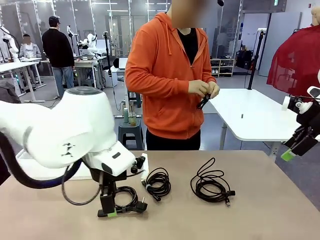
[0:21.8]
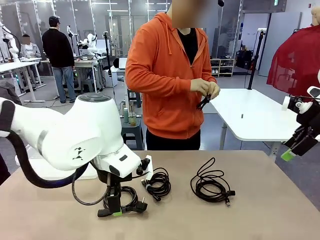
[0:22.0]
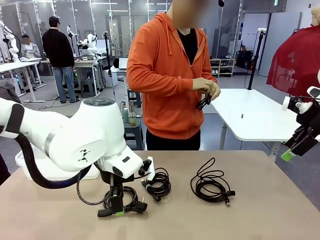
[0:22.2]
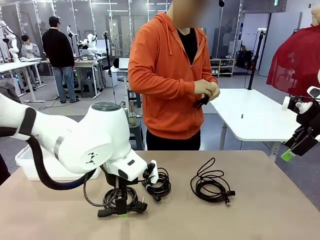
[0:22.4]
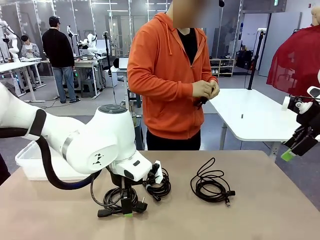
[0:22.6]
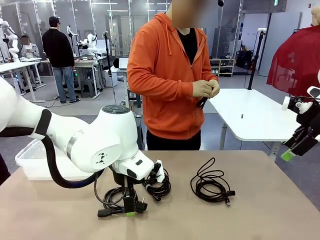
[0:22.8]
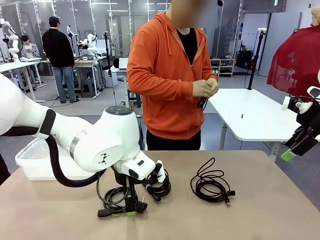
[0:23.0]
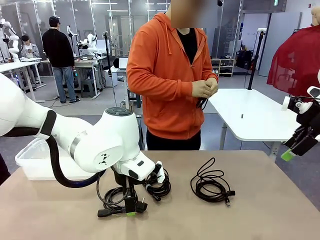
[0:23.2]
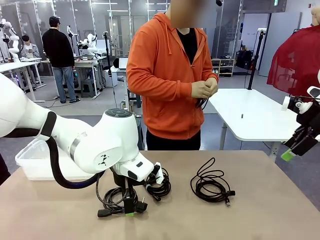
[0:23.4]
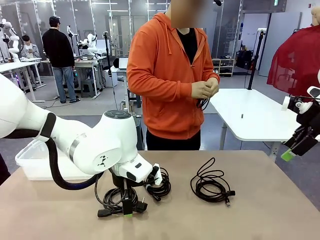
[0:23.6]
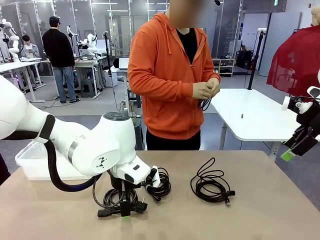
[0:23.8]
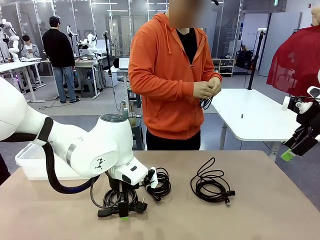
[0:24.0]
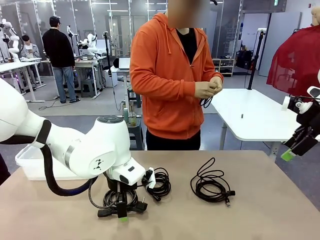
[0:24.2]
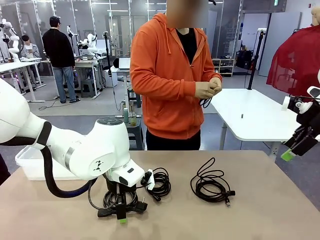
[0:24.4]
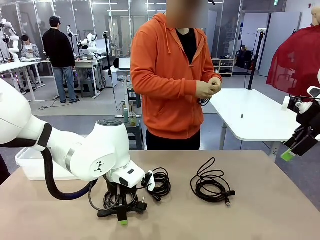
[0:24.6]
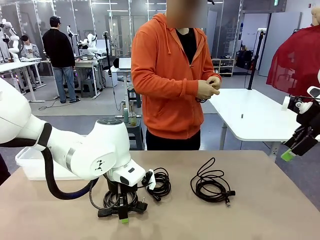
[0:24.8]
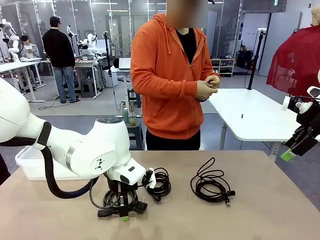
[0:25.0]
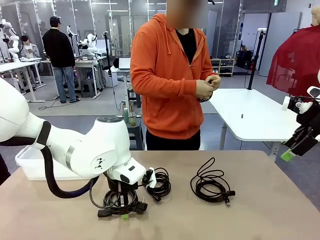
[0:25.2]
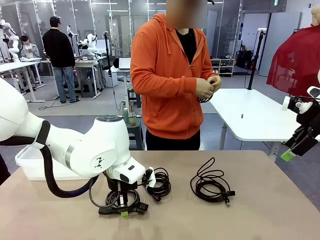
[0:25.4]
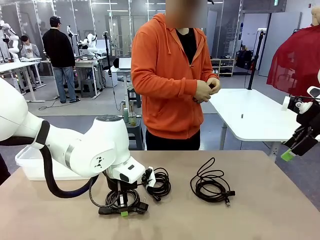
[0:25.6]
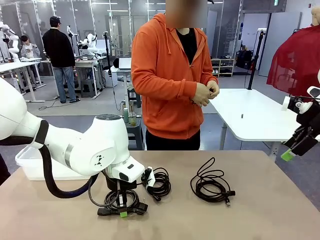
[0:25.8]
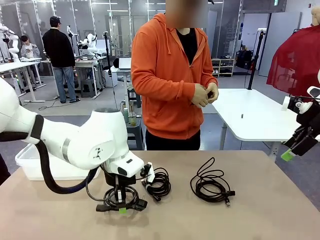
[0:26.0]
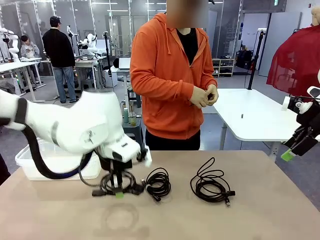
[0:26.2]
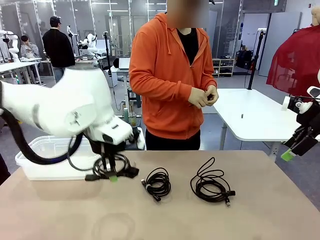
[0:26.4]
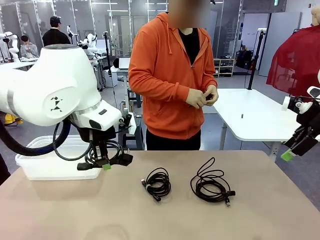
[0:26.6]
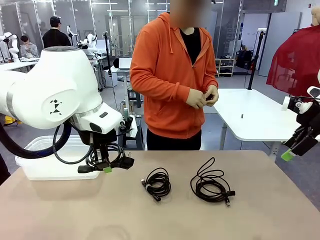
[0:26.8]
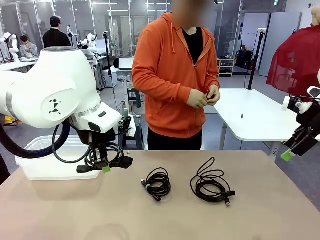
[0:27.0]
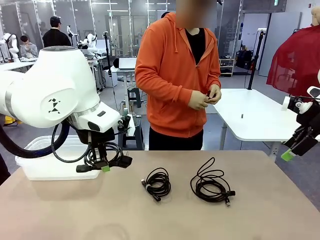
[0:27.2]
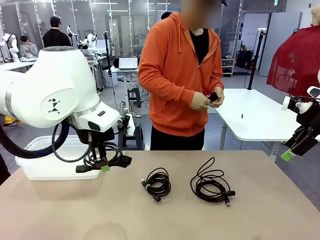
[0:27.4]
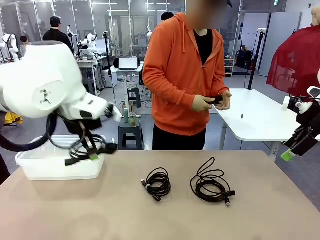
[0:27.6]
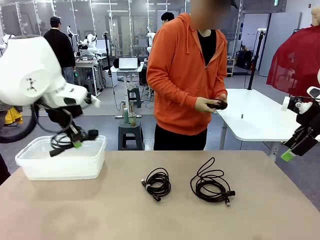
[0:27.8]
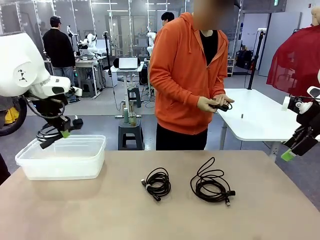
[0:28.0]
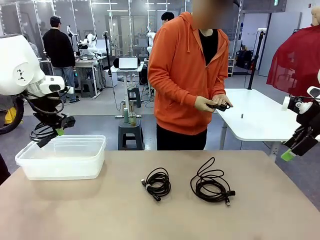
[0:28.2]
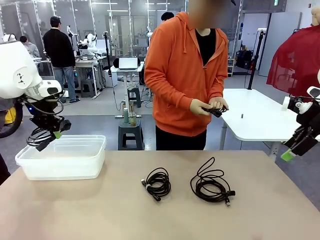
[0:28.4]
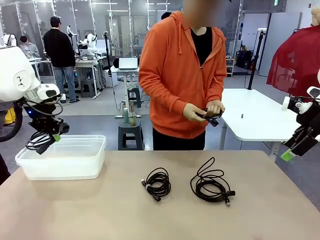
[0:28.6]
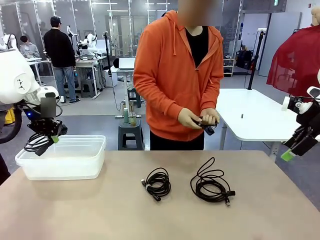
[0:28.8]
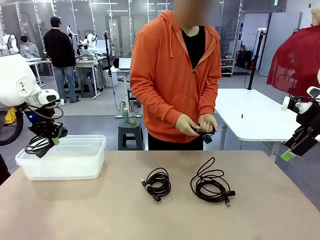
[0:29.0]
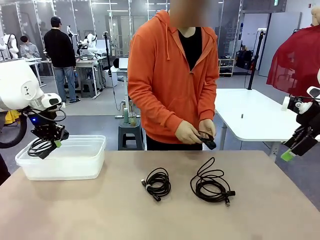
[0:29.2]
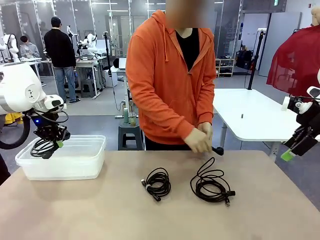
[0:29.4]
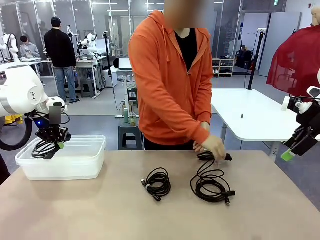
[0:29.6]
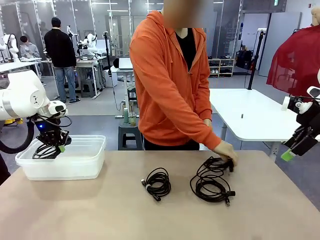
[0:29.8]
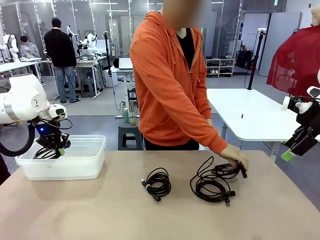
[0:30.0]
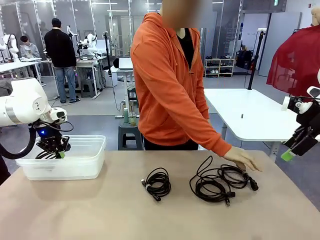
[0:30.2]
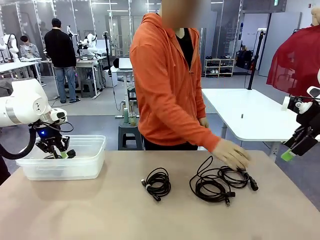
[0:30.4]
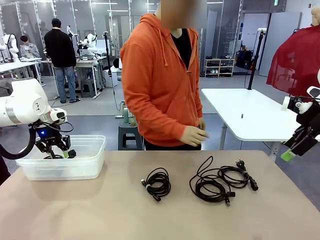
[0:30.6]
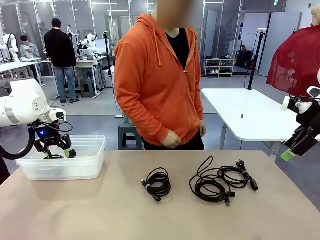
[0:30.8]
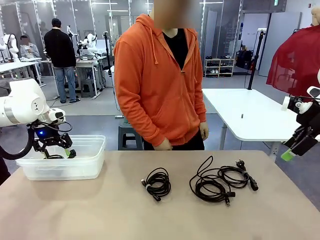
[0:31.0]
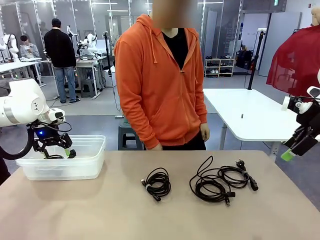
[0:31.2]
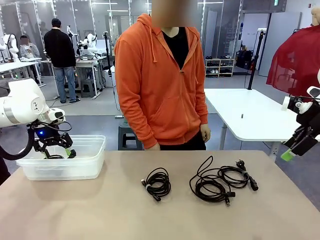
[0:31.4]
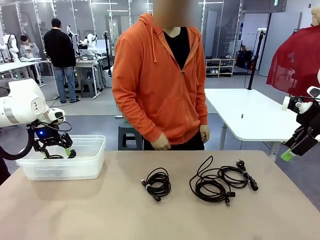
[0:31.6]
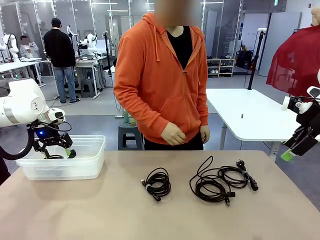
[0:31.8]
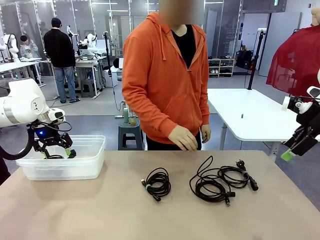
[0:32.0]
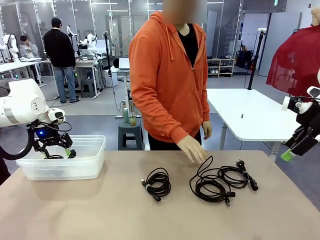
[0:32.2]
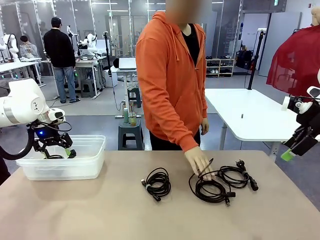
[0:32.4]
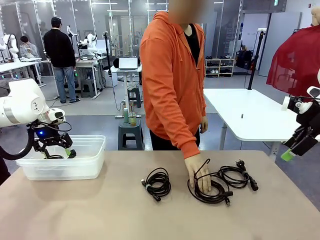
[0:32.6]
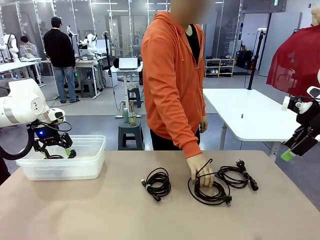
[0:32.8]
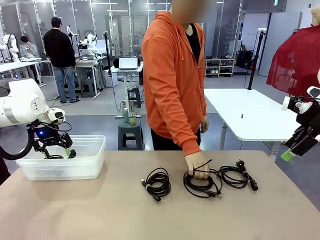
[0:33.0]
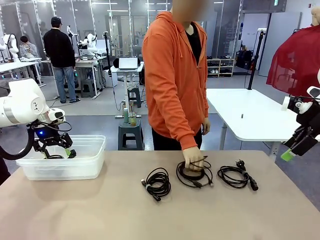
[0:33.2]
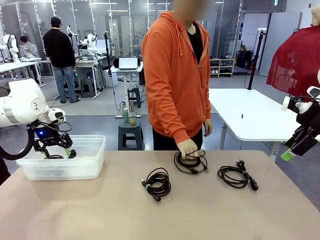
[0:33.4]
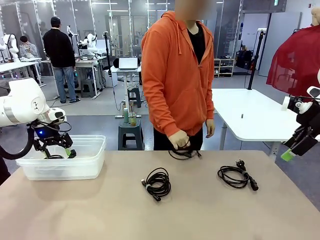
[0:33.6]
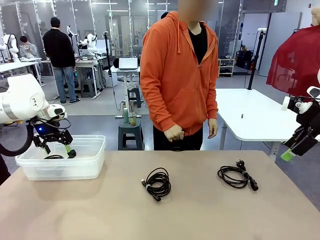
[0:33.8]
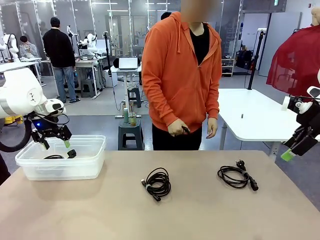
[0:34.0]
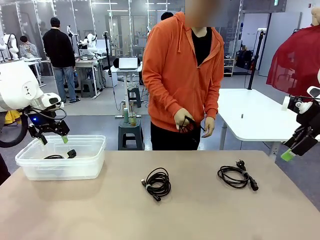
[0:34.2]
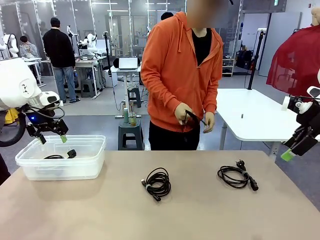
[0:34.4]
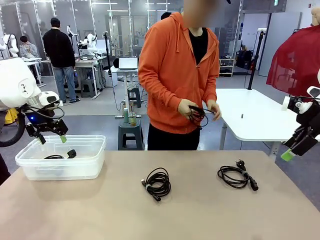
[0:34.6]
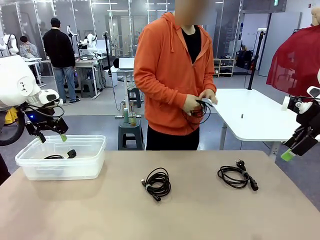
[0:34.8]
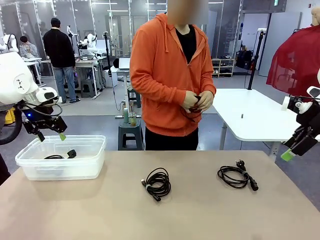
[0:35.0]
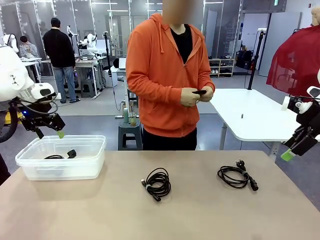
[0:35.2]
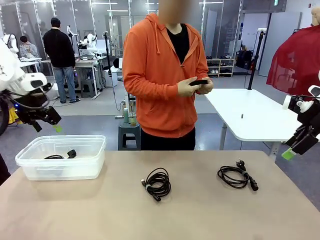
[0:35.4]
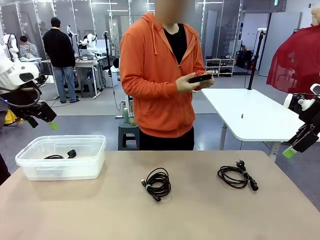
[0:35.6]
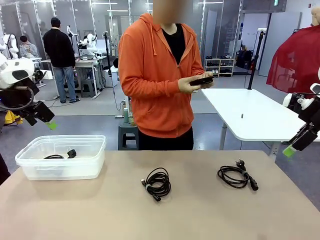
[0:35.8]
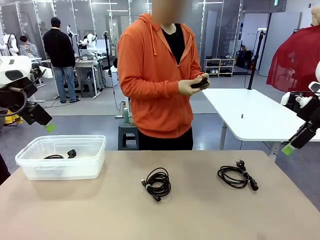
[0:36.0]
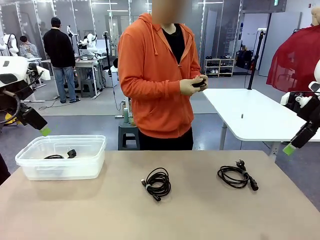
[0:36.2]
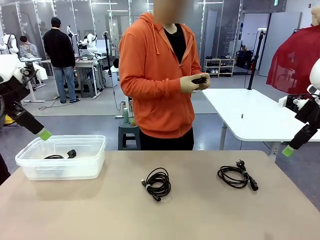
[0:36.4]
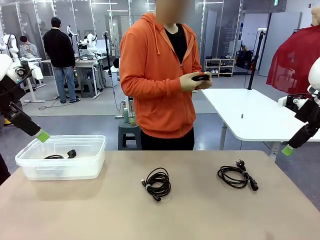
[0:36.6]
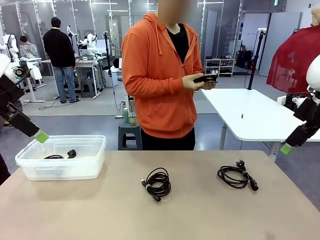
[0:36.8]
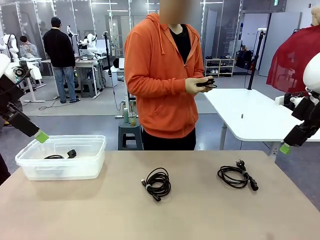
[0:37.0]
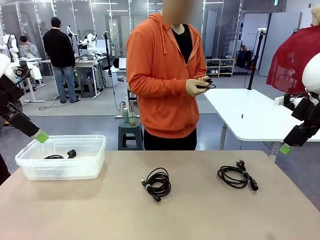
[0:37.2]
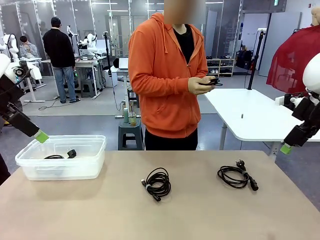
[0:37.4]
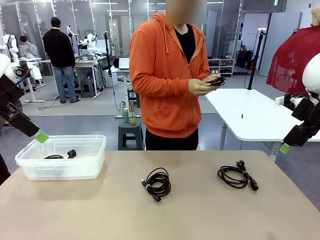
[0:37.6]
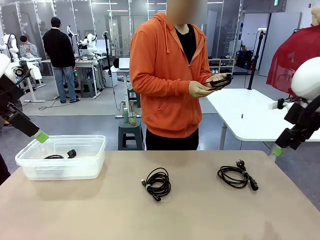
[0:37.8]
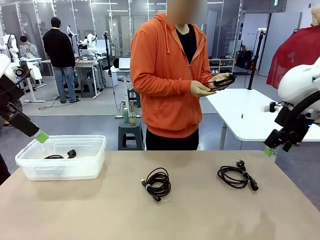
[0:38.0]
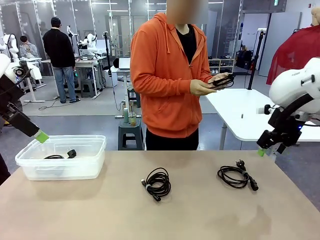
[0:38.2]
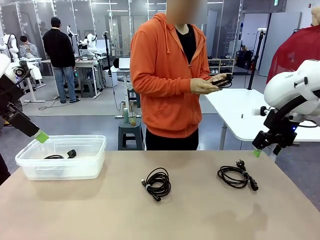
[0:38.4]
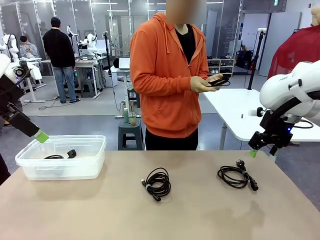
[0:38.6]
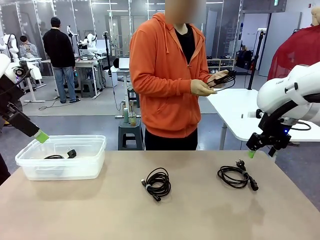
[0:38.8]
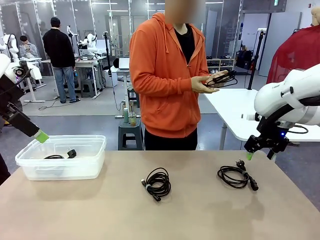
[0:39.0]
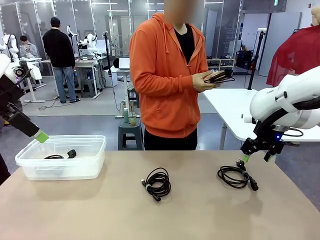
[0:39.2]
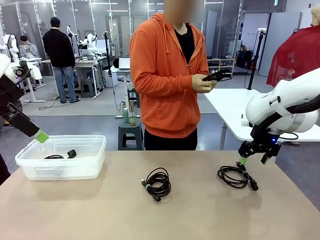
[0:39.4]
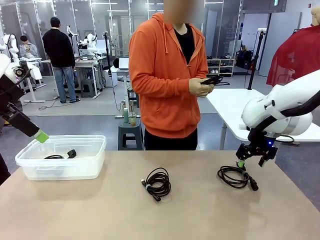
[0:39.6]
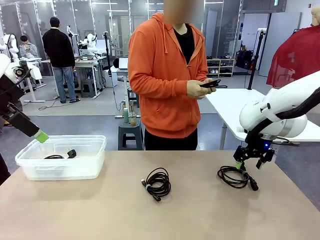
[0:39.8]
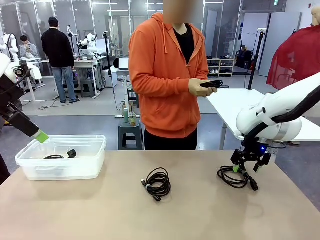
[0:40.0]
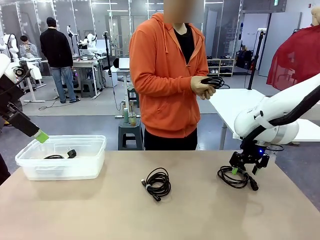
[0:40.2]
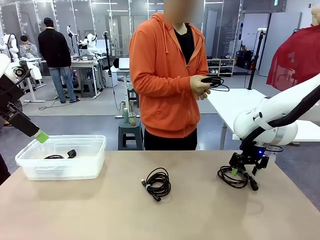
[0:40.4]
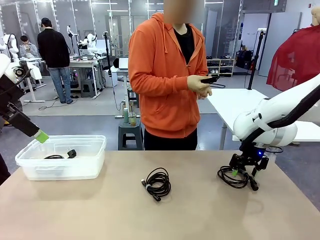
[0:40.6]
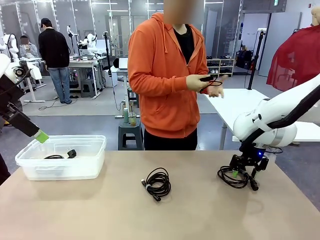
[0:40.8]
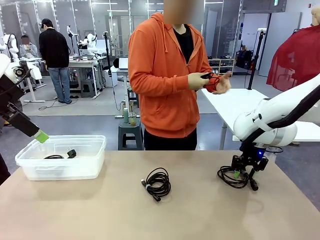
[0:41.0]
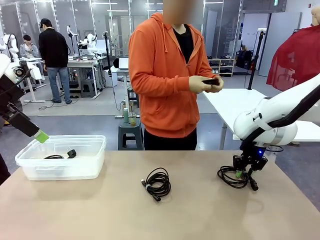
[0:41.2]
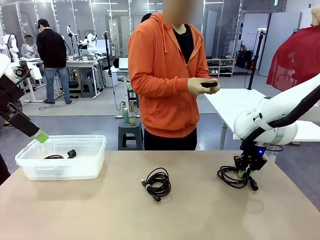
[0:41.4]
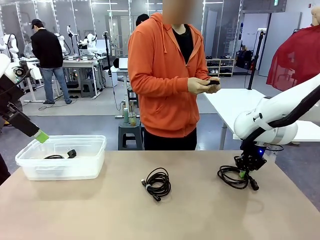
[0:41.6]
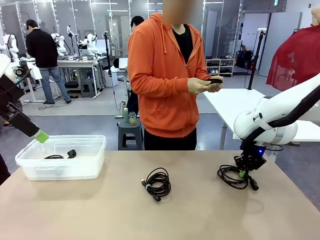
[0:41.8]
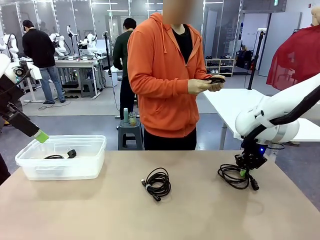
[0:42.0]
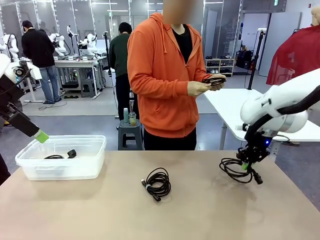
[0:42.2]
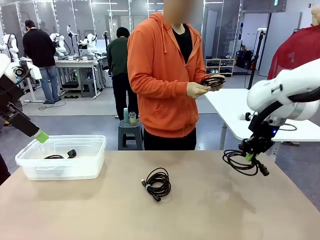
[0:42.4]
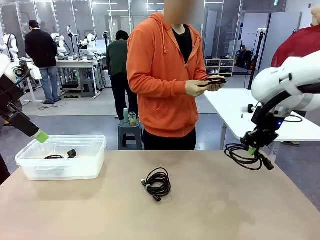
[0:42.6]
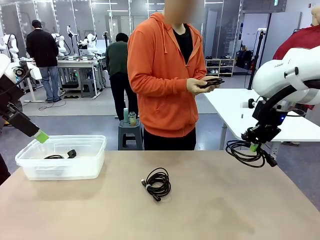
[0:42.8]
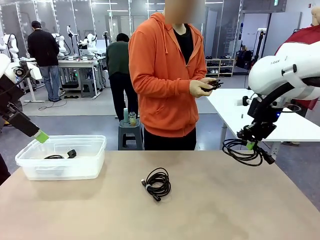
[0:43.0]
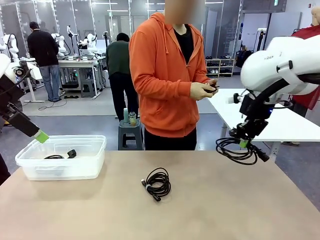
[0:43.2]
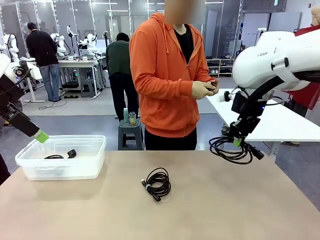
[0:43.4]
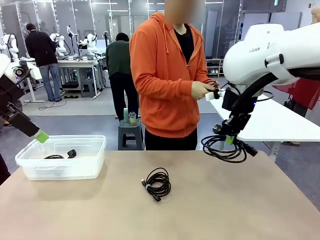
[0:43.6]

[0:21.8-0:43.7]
Task: Organize and store the cables.
Robot: Place the Power Cable into the Organizing box.
